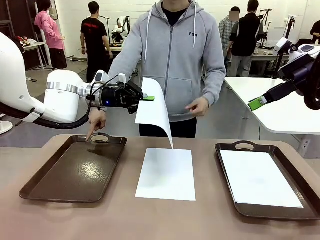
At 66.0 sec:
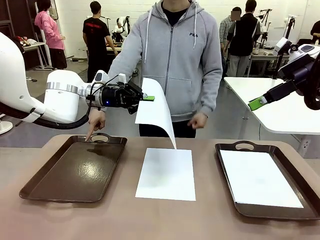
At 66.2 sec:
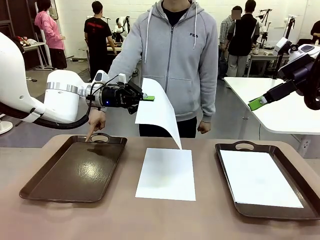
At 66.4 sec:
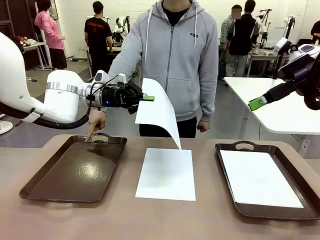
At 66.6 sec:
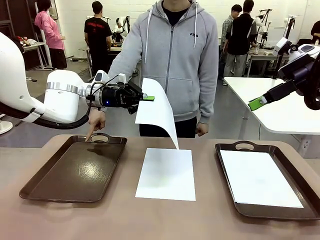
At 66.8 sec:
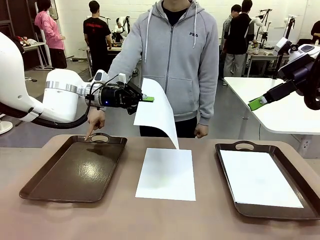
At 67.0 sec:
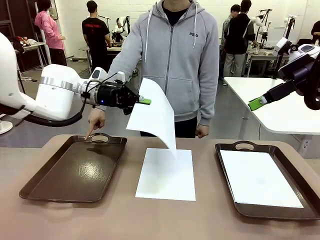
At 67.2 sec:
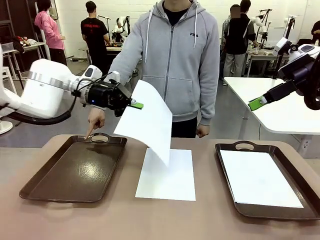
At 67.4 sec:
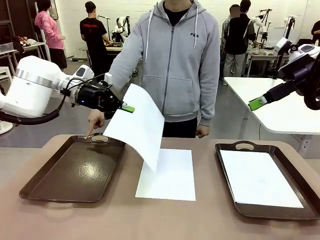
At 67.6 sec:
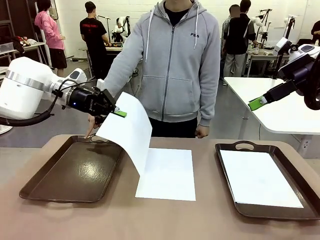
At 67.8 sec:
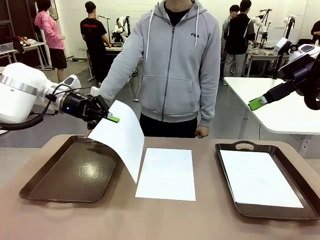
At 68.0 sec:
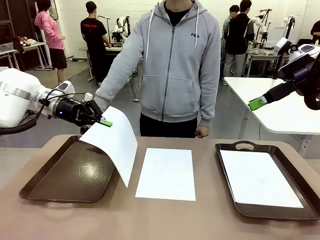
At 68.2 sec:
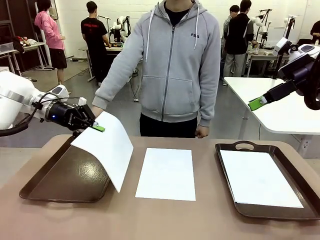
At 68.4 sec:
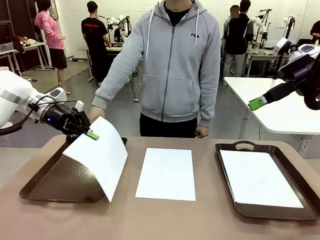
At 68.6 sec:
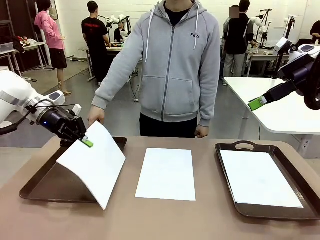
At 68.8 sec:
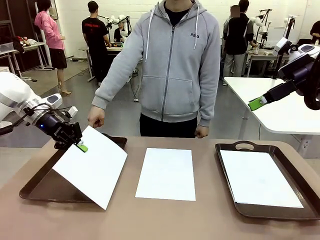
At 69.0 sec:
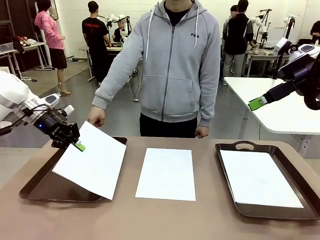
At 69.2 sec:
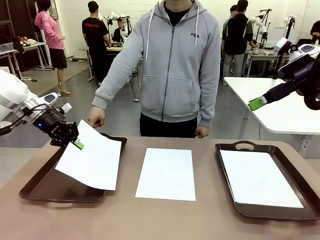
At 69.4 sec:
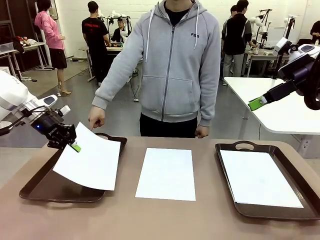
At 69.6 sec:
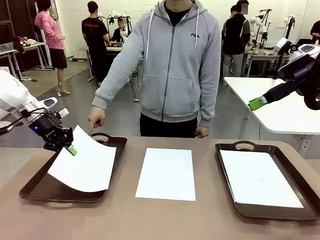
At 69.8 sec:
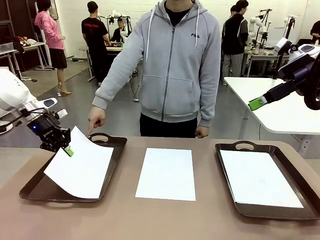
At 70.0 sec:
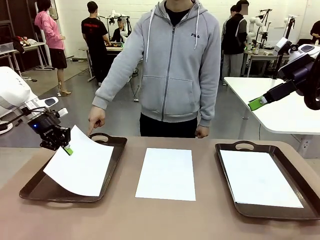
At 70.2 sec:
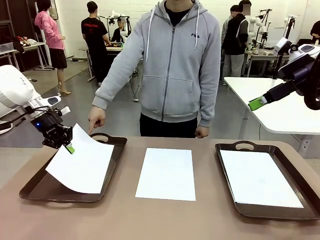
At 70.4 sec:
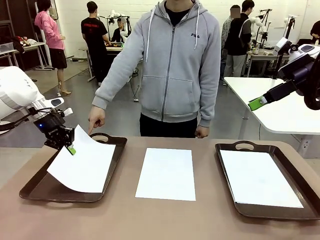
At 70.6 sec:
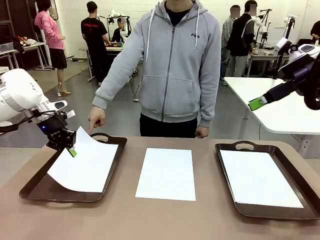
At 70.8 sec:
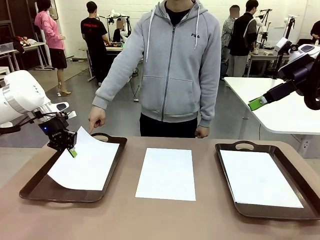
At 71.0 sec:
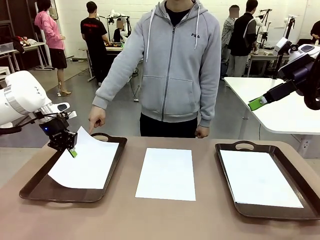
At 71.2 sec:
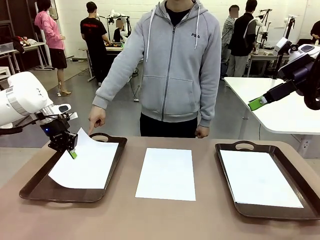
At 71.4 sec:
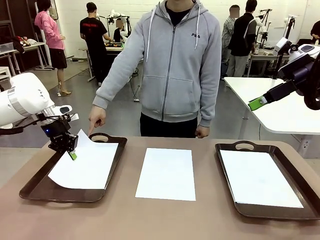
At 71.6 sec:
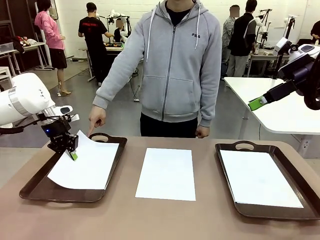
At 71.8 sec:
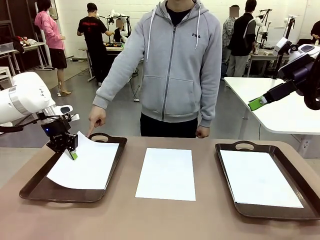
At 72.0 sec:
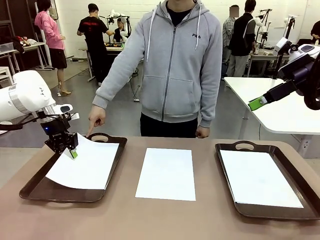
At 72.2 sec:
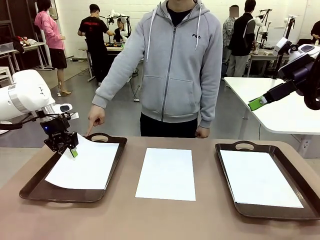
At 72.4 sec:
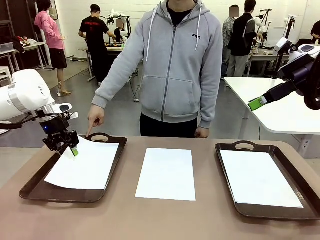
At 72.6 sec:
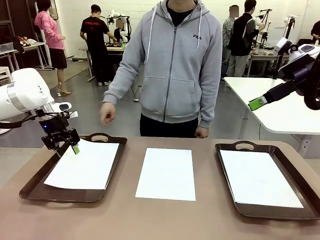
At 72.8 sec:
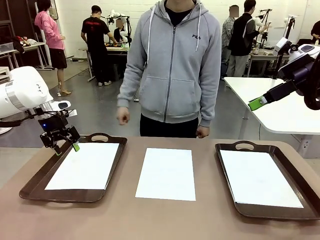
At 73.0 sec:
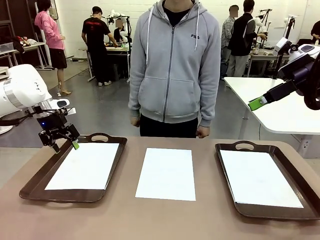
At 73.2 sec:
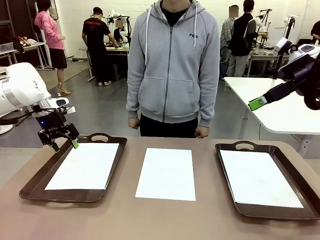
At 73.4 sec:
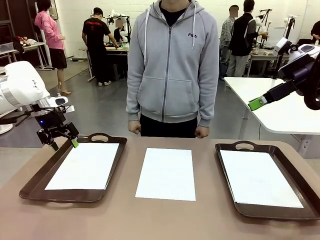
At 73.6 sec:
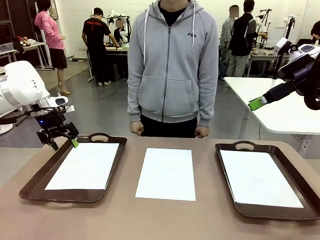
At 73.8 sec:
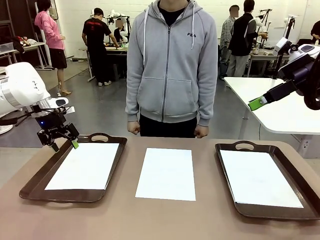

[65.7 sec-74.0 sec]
Task: Sort the A4 documents.
Robot: Place the A4 Paper in the designated Handle tray.

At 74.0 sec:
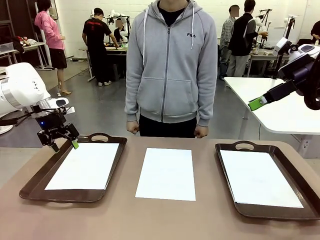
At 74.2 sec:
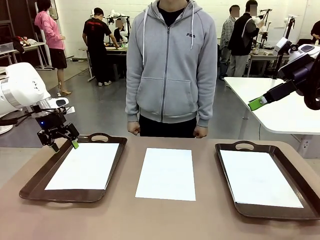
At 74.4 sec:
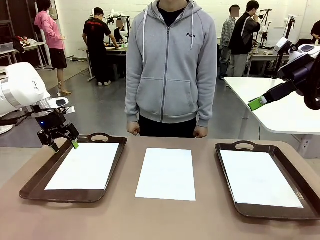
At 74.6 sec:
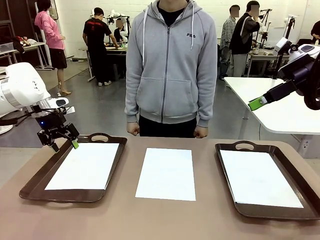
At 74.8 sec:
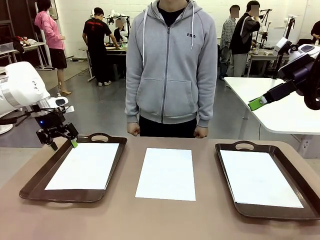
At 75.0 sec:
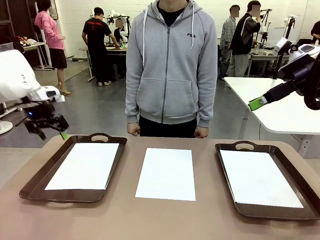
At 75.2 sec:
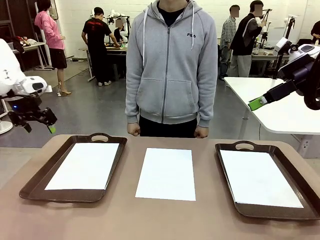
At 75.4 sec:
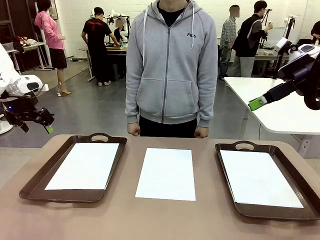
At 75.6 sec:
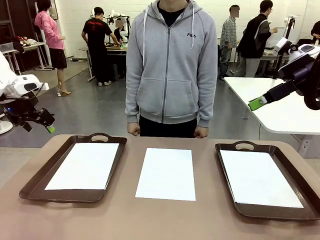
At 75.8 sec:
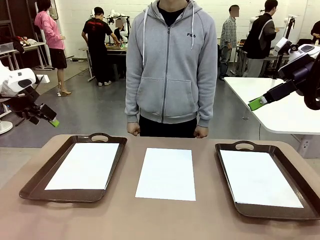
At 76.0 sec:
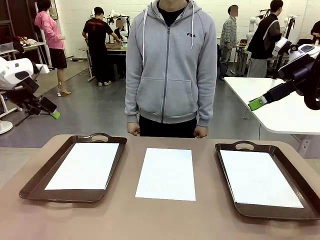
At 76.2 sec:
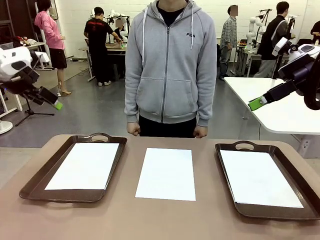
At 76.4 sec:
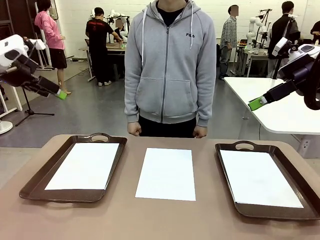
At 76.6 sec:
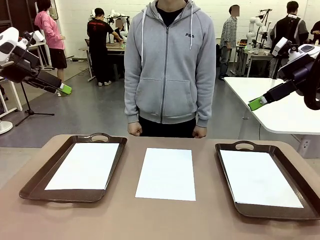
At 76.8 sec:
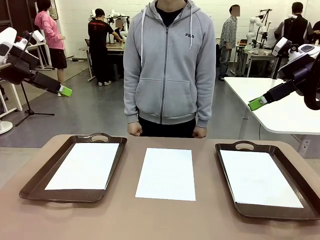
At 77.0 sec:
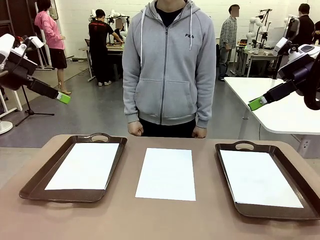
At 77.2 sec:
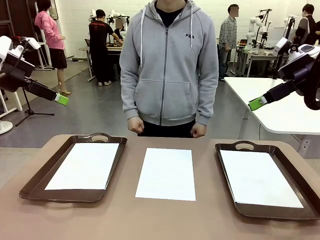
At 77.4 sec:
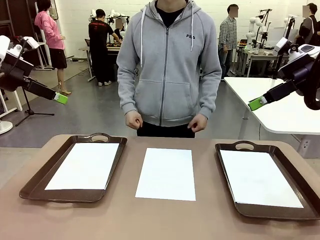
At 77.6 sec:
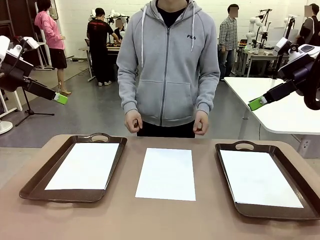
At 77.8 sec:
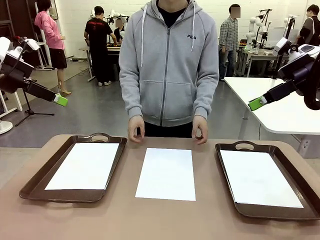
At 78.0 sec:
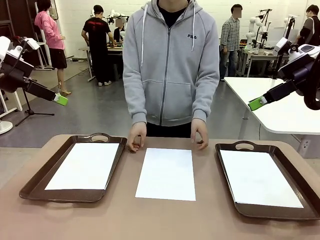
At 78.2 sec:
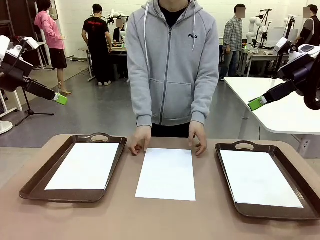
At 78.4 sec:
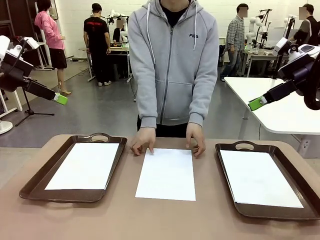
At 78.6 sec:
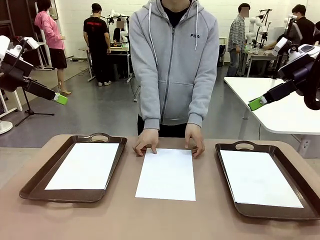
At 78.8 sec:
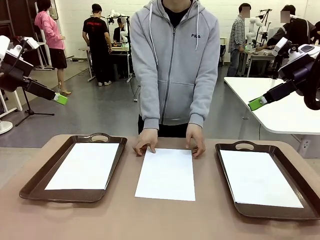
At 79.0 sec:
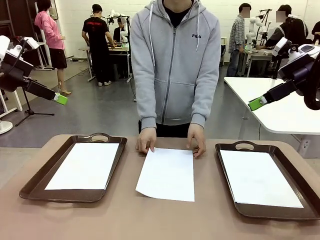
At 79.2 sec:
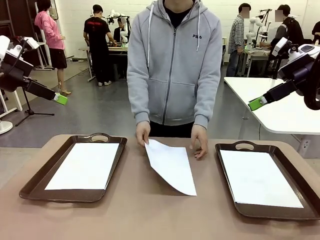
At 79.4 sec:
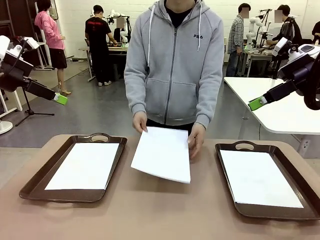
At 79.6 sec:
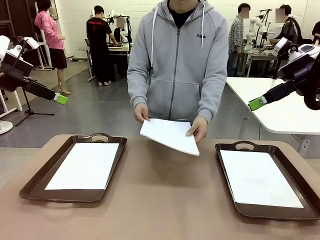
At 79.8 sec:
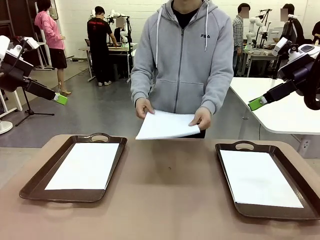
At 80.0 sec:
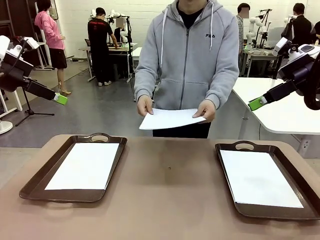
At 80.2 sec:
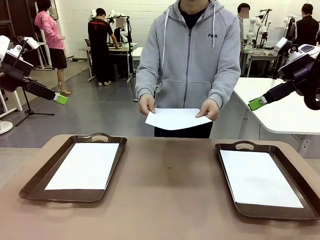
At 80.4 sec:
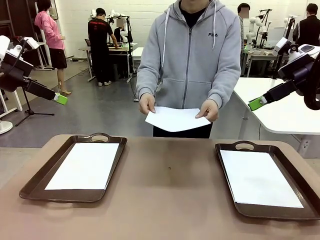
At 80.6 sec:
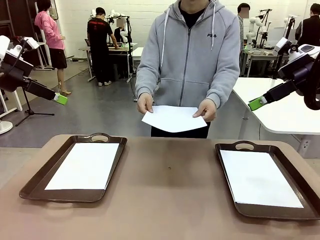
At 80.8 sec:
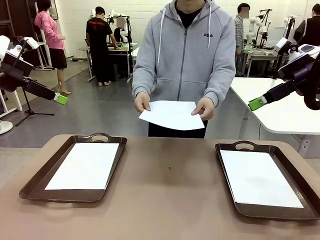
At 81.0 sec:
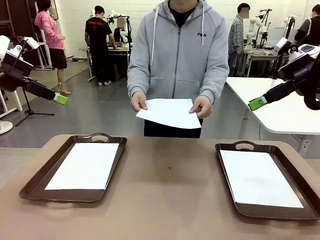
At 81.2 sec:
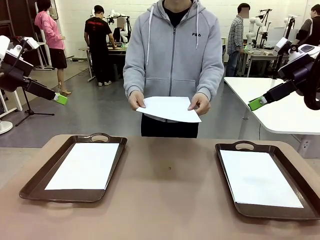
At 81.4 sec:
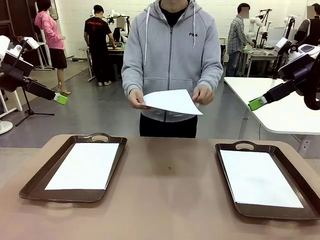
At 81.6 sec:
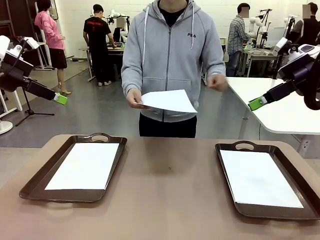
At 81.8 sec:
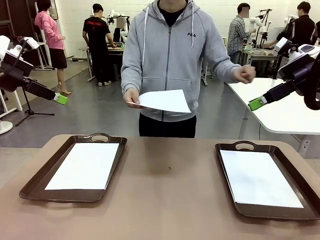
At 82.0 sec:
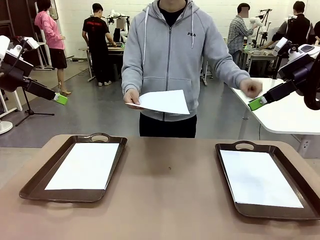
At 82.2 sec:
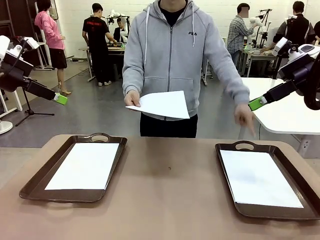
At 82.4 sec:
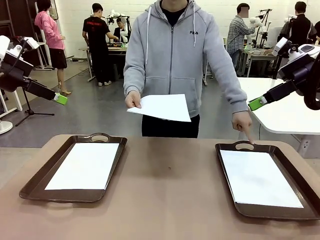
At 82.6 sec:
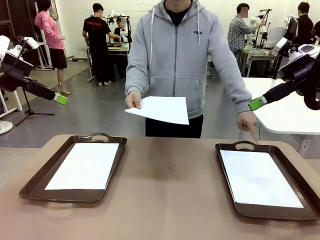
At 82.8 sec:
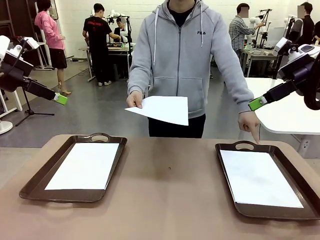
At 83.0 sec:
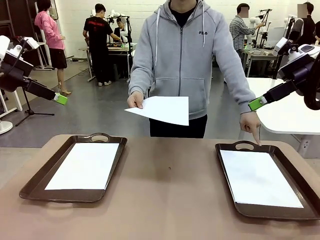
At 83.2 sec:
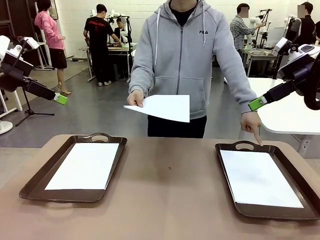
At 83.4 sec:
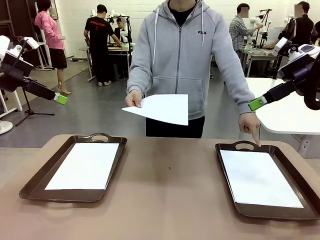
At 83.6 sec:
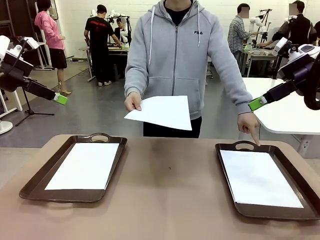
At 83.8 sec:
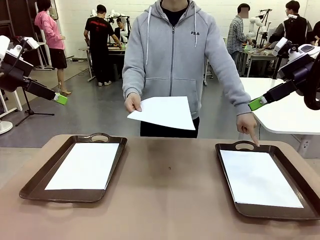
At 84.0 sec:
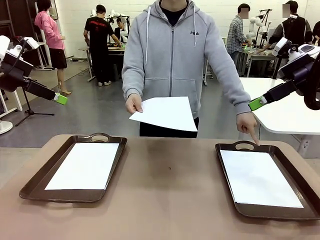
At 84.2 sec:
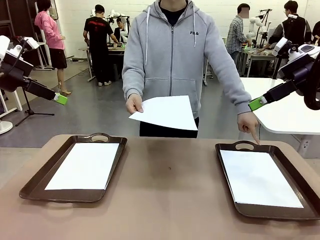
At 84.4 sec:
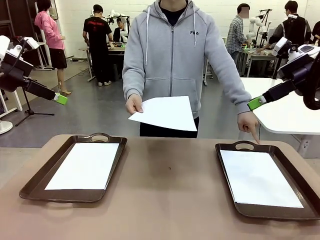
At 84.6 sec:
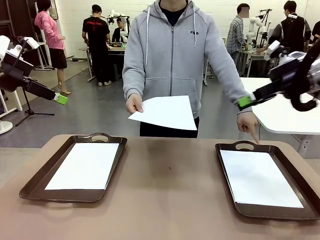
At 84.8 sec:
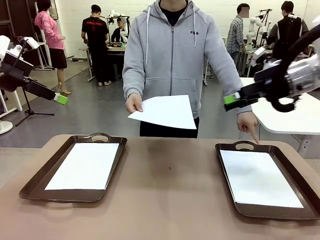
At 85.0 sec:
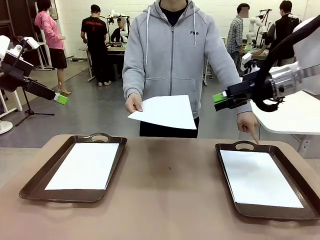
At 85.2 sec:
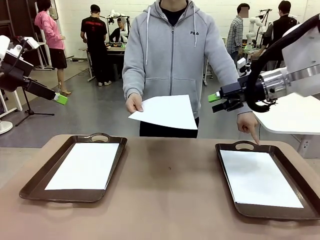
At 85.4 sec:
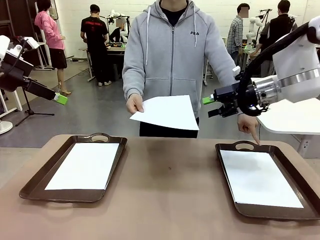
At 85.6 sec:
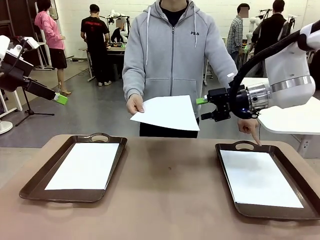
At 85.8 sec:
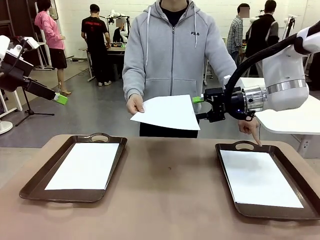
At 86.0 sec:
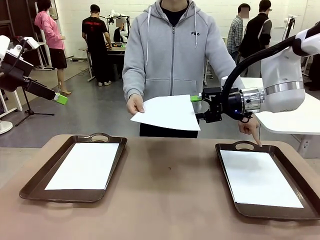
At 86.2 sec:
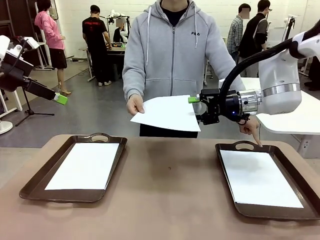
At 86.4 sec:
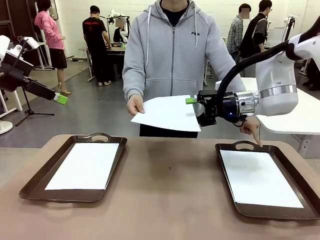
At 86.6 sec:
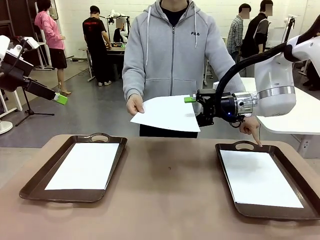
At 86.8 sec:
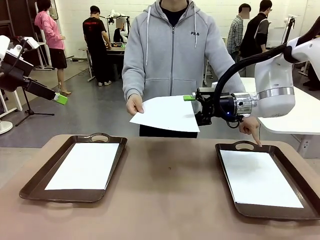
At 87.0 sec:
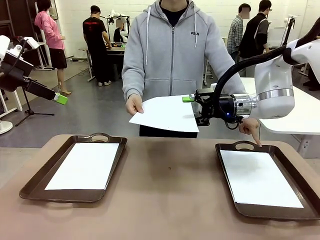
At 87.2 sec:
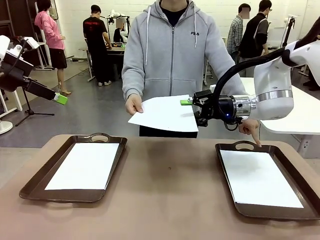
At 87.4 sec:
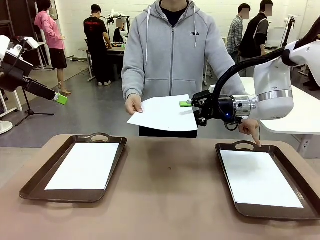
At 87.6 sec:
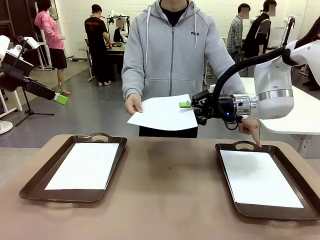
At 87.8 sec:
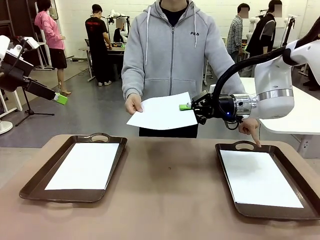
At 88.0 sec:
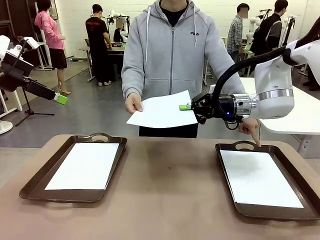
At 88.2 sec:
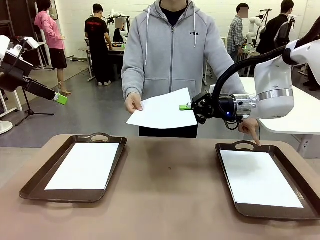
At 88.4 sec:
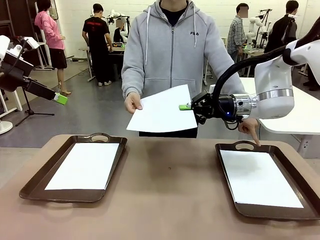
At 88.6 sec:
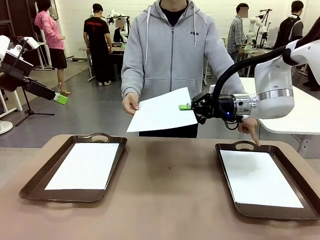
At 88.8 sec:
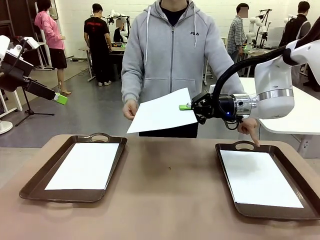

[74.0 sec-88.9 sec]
Robot: Receive the A4 Paper.
